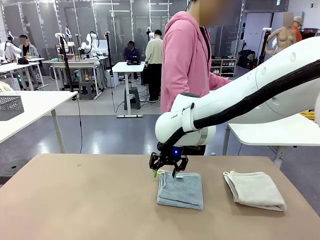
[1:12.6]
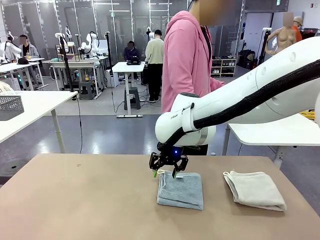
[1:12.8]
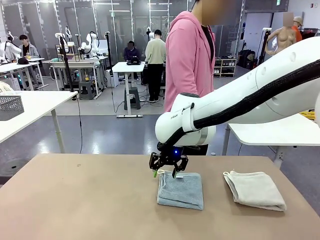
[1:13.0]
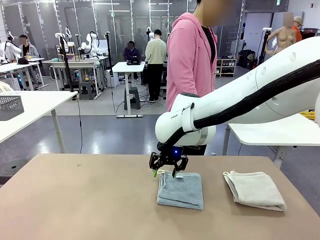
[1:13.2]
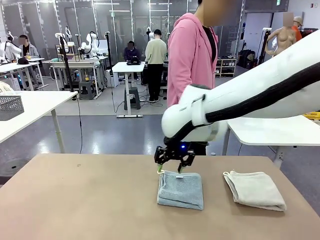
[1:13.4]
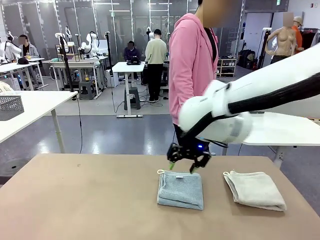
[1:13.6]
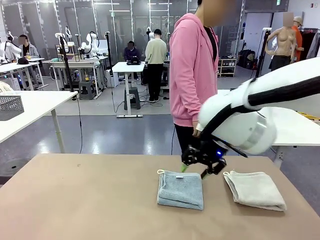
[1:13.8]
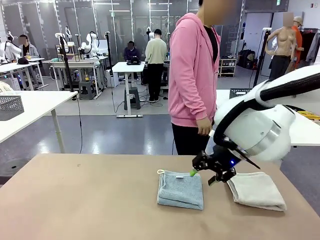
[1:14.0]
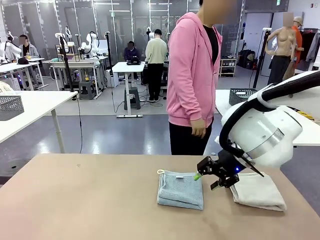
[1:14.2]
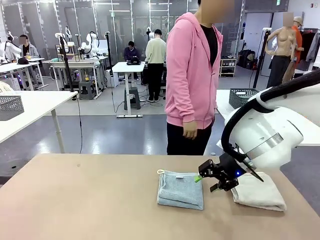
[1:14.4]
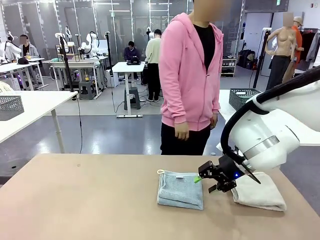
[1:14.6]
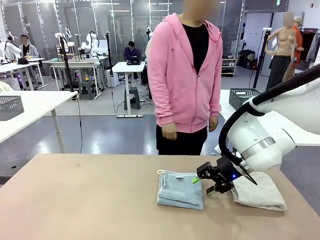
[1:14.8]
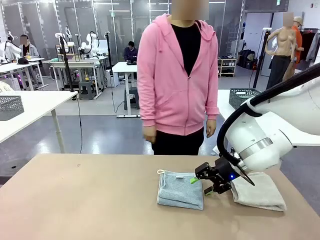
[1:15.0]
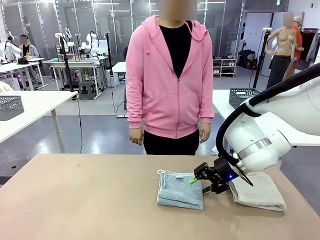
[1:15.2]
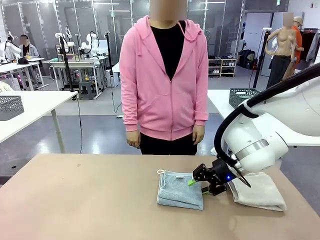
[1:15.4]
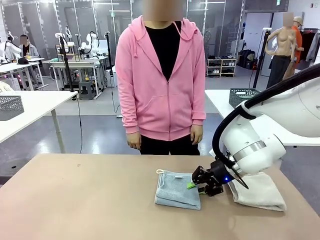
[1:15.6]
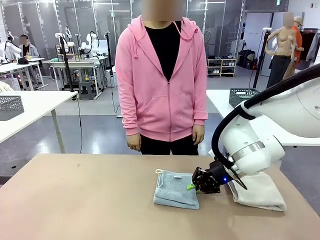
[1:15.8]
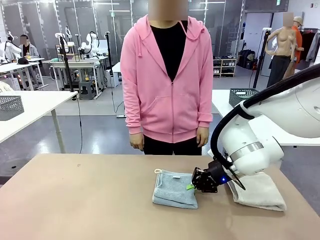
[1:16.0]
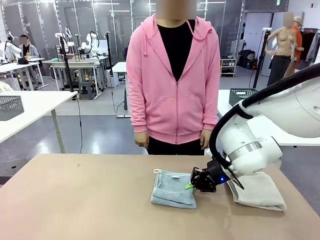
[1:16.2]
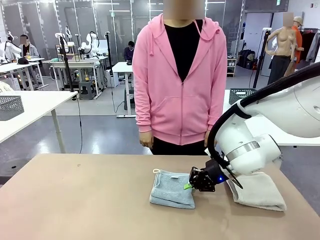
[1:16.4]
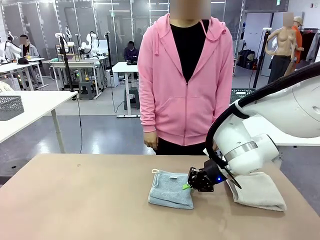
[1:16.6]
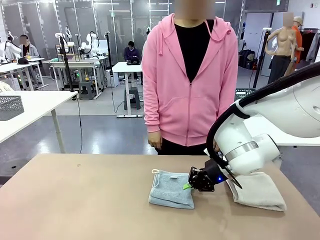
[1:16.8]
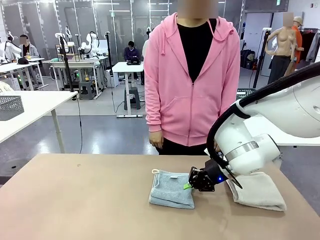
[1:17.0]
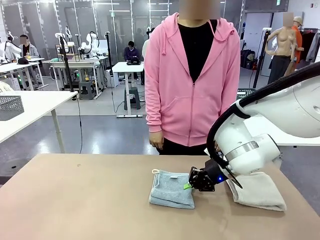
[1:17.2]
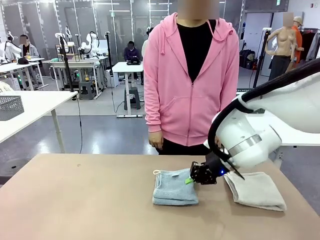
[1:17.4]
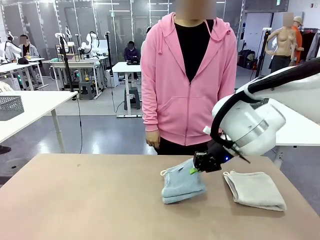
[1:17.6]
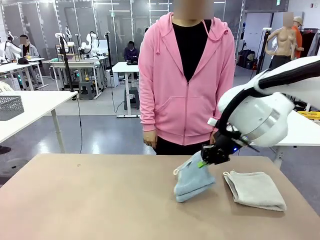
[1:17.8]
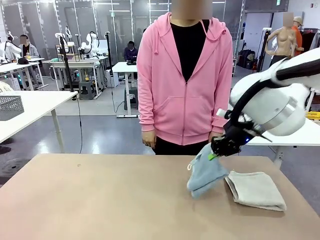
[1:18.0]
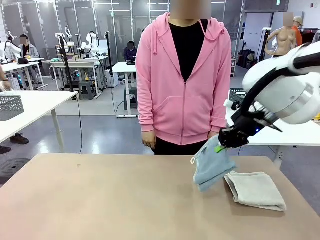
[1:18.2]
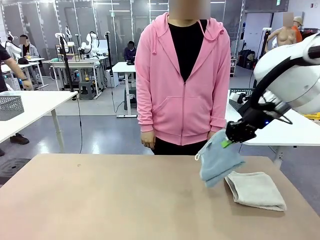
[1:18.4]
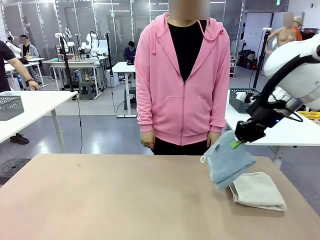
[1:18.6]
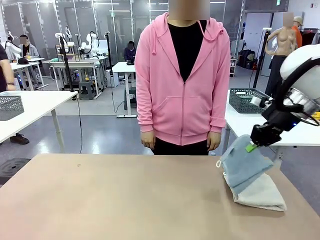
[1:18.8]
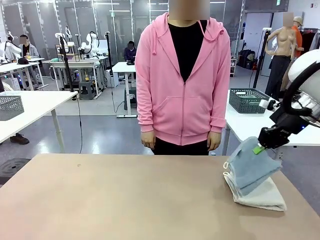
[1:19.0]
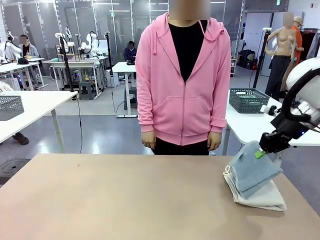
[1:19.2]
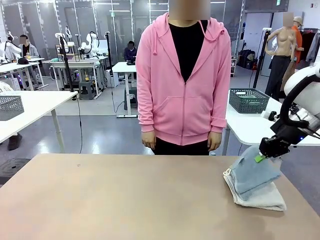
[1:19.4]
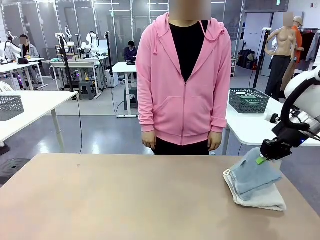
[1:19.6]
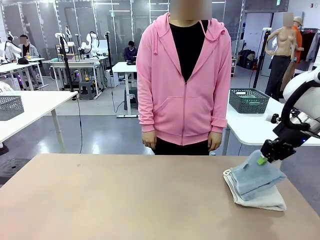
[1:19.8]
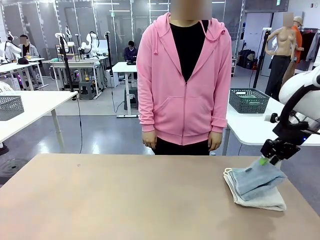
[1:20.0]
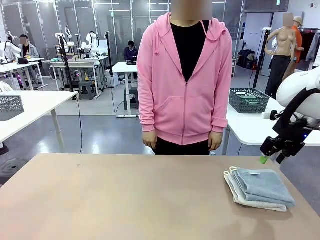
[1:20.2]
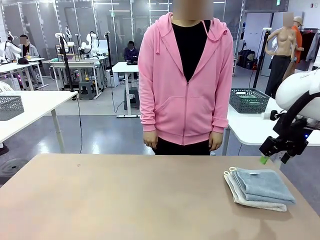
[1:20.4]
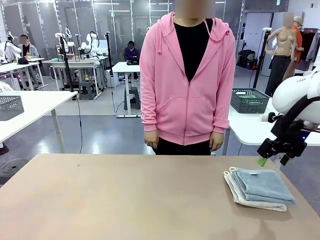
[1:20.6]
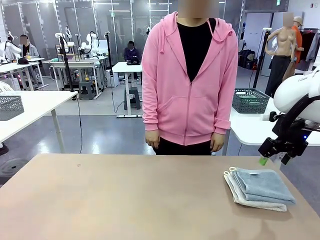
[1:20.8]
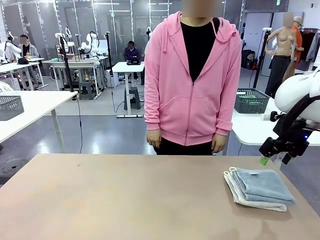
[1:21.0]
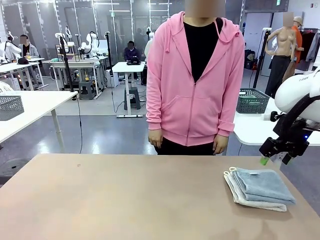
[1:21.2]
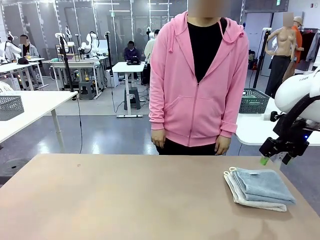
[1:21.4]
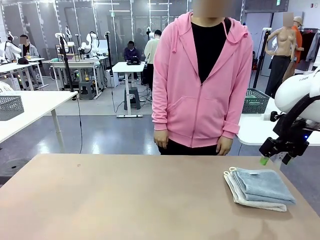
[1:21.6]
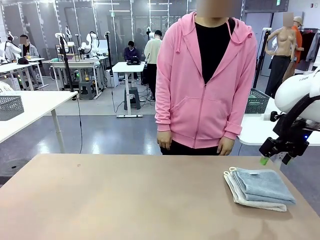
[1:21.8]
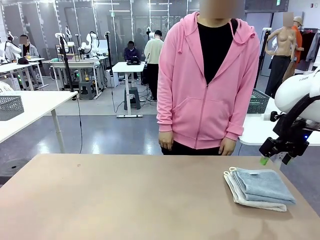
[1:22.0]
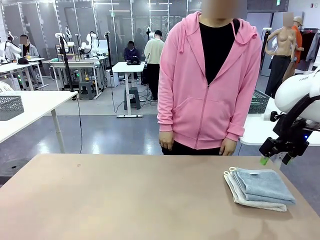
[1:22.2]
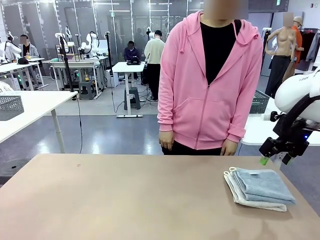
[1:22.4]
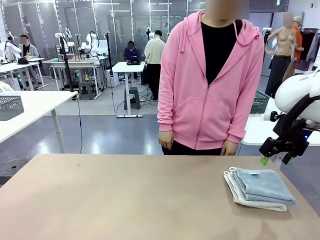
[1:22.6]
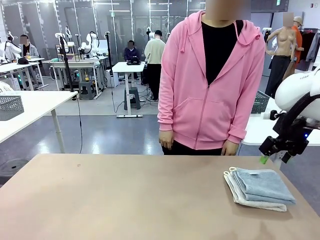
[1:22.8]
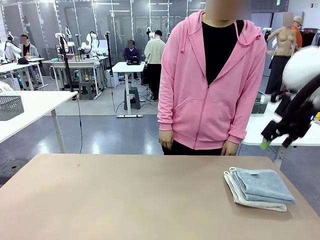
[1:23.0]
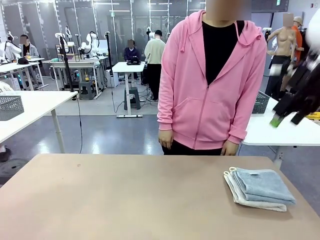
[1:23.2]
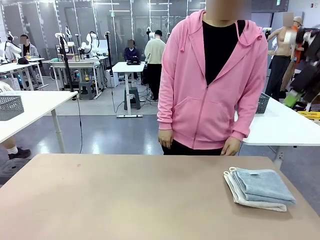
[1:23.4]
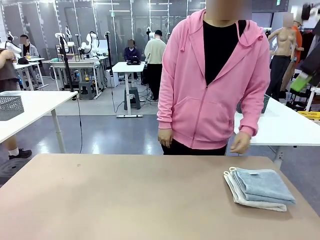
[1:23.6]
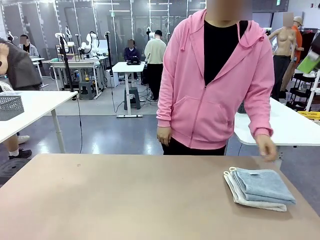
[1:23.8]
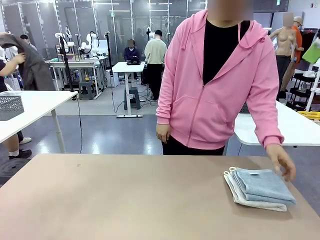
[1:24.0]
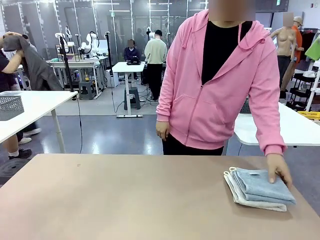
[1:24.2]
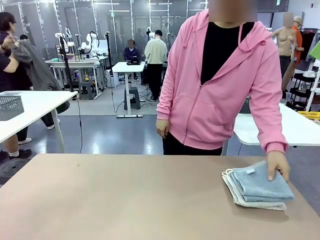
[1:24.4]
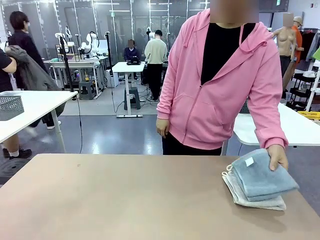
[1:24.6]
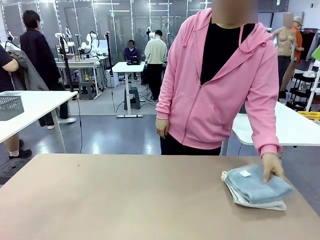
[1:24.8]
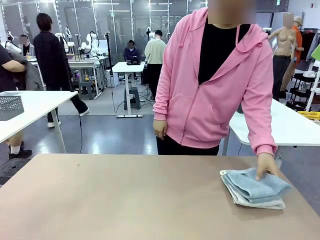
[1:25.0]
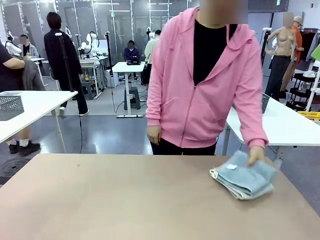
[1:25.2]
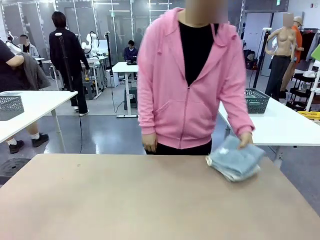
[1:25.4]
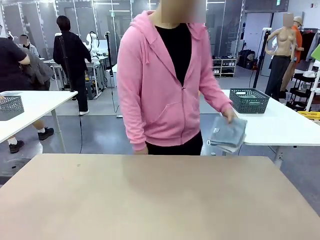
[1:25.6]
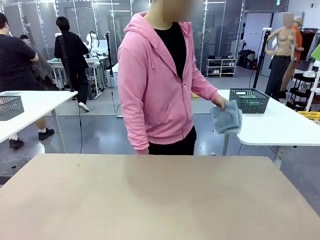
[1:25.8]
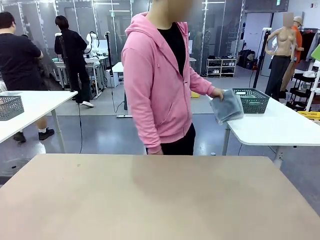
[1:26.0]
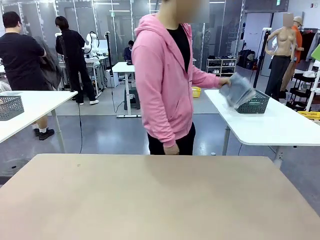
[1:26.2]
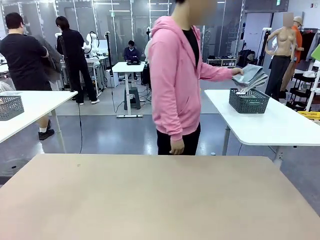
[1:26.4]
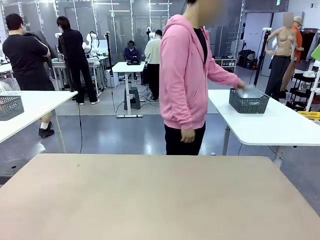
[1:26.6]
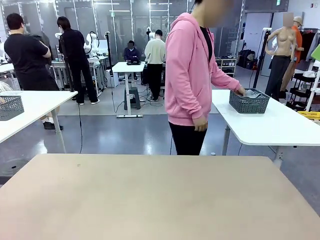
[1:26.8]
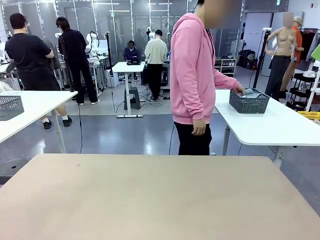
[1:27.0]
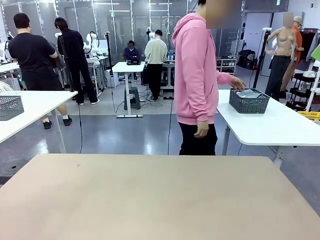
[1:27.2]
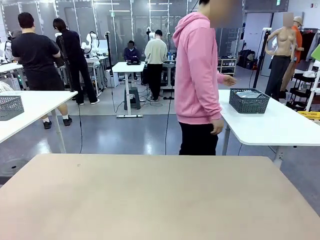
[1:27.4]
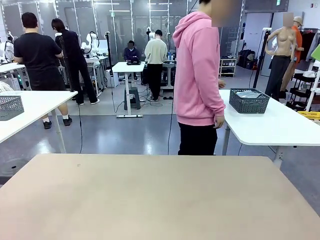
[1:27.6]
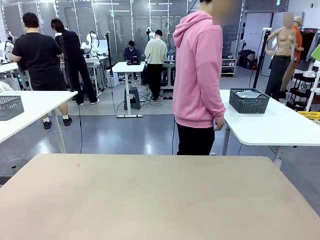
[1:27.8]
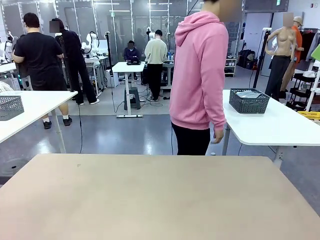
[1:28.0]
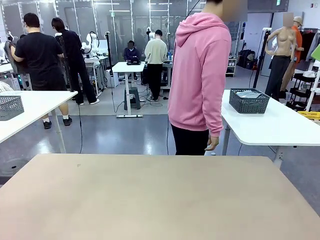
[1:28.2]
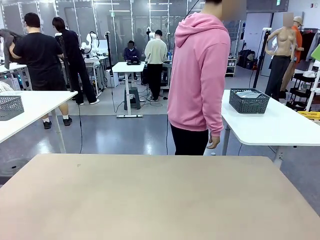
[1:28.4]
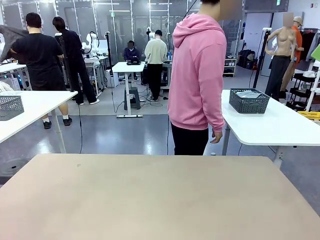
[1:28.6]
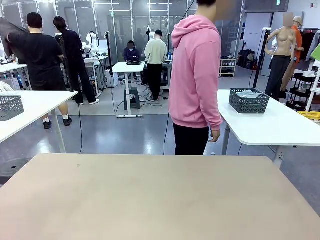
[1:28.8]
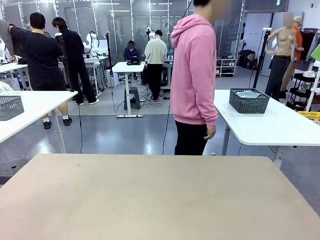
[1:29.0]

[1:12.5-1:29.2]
Task: Fold the towels and place them in the basket.
Robot: Stack the folded Towel with hook on the right side of the table.
Person: Pick up the stack of towels from the robot table and place it into the basket.
